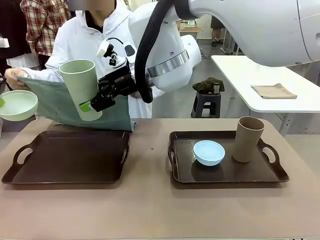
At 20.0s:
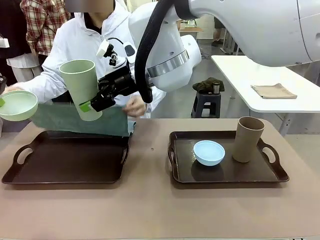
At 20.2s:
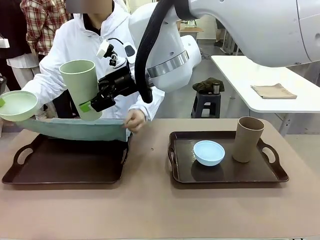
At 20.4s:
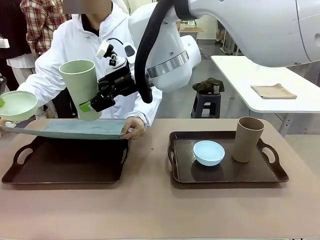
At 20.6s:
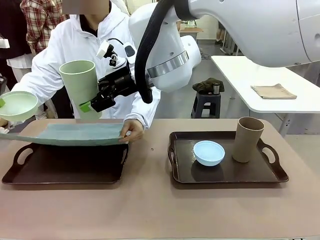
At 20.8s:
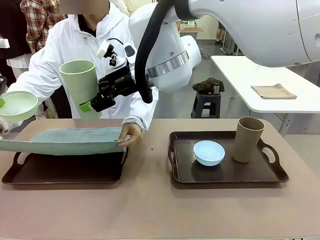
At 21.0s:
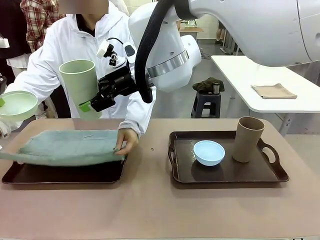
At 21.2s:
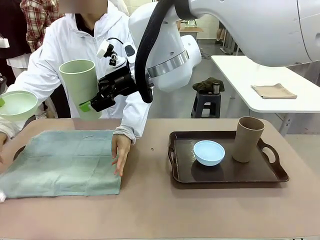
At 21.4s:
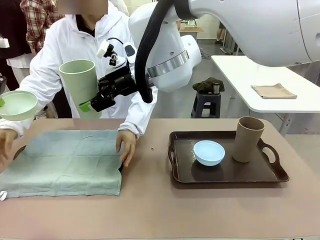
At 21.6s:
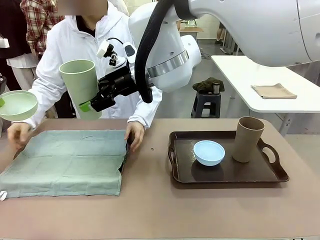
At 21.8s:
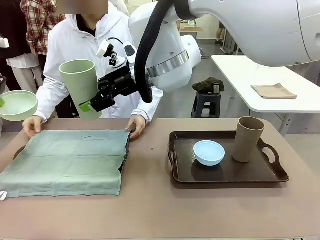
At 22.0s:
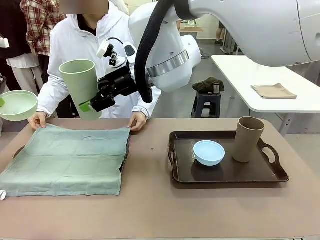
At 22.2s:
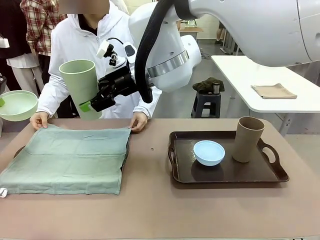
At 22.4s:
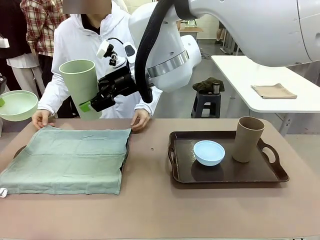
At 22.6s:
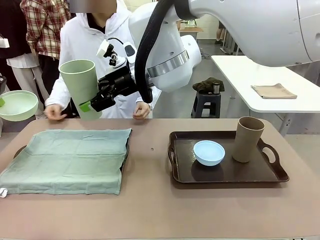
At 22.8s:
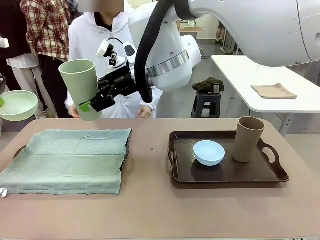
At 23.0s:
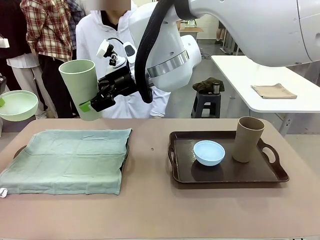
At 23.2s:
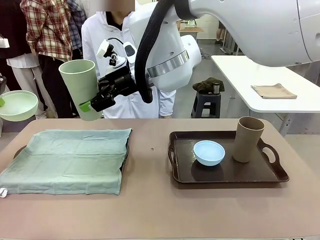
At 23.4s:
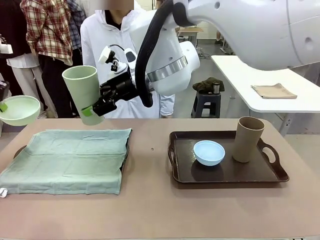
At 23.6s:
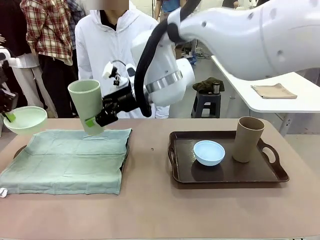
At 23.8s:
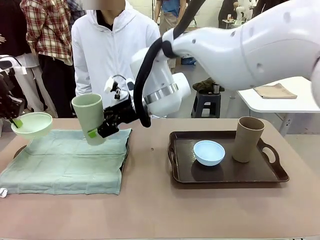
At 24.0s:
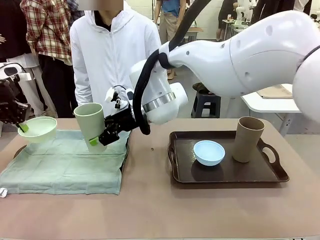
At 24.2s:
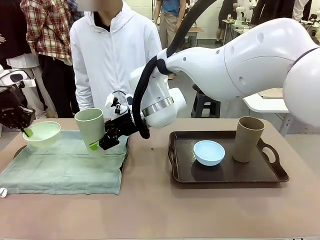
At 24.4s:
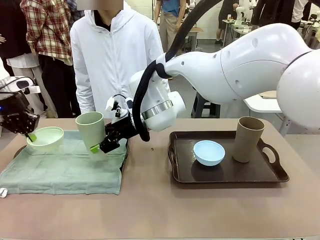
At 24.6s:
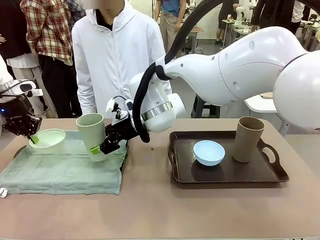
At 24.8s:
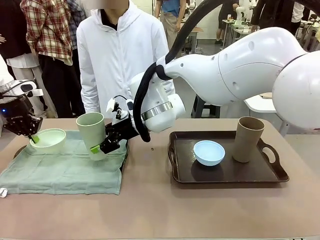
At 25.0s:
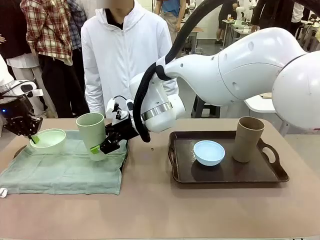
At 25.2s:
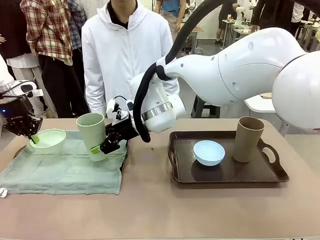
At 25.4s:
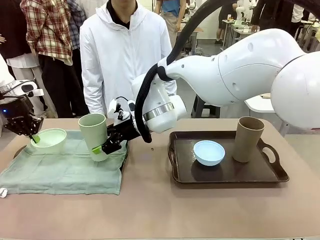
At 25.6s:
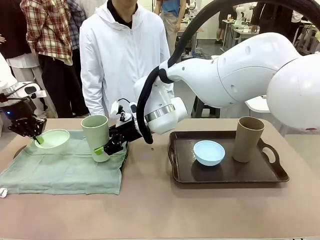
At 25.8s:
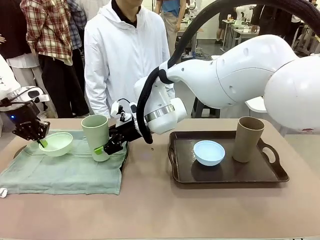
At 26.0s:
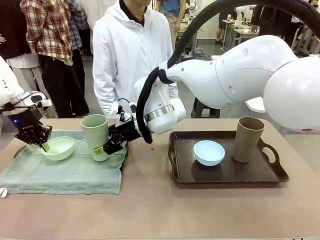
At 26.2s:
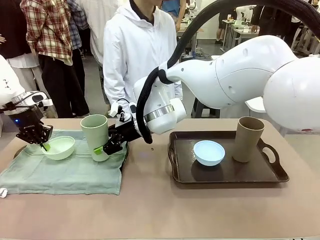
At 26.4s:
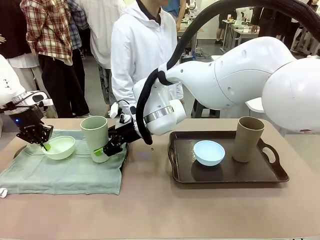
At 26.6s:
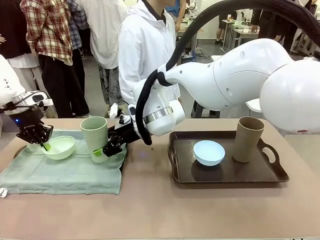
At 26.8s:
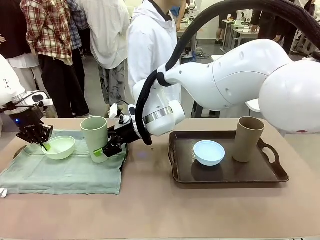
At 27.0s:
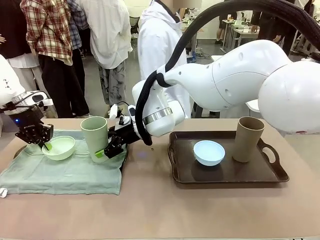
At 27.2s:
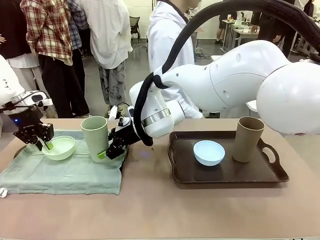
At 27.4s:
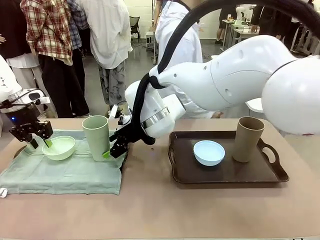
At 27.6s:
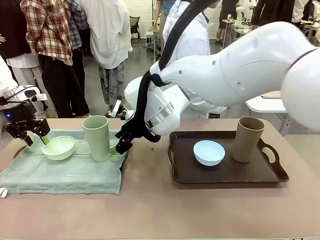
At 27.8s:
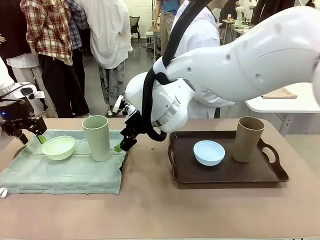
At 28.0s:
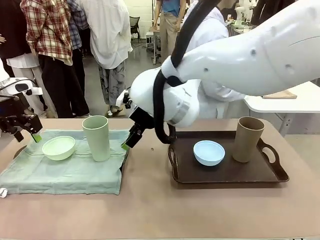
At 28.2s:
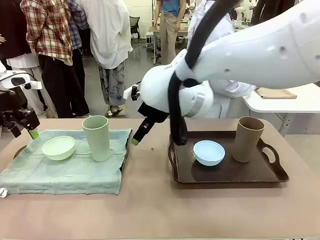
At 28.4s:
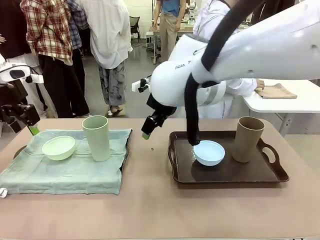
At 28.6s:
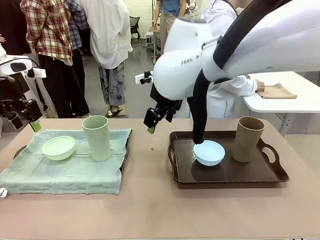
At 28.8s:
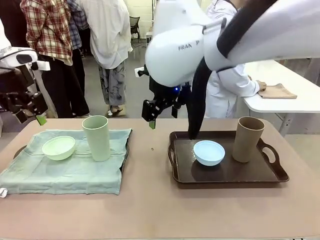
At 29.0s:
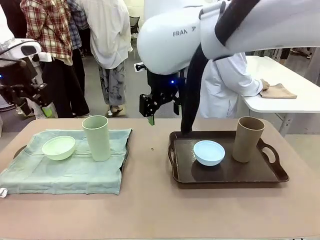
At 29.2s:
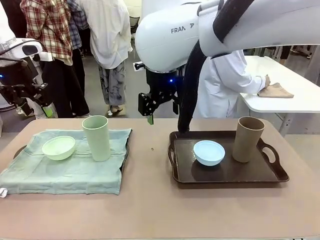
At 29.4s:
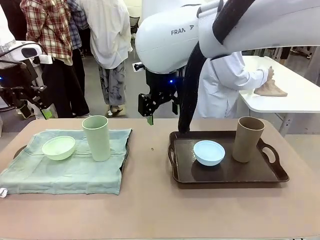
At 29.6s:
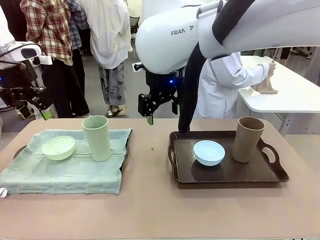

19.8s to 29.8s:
Robot: Place the Picnic Bowl and Reusable plastic cup back onto the Handle tray in front of the human's position.
Person: The human returns to the human table to pick up another napkin and walks to the robot table to stand in front of the tray without a napkin.

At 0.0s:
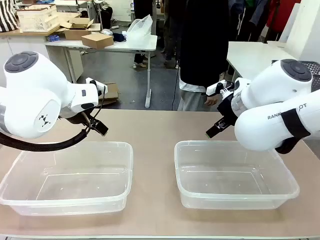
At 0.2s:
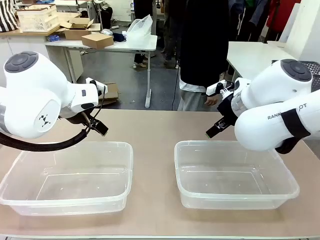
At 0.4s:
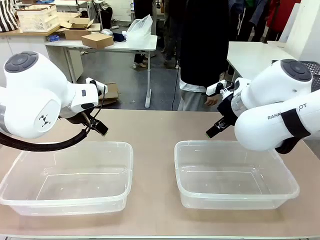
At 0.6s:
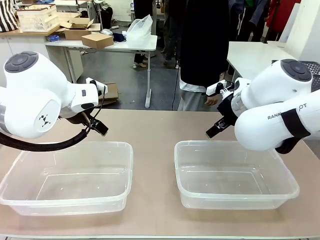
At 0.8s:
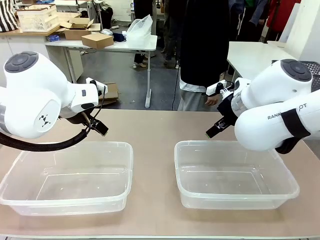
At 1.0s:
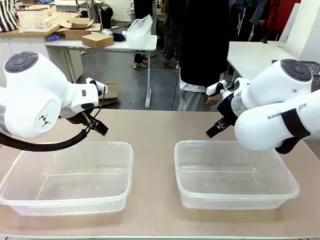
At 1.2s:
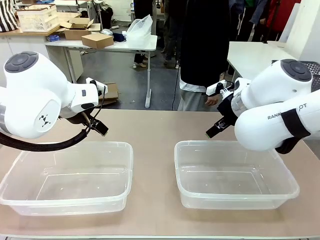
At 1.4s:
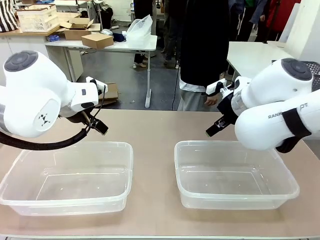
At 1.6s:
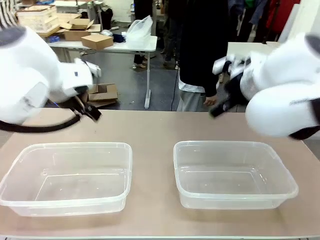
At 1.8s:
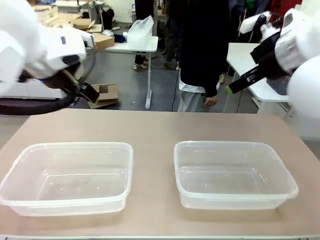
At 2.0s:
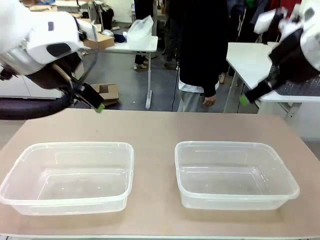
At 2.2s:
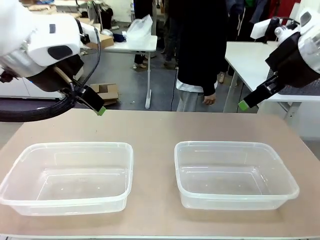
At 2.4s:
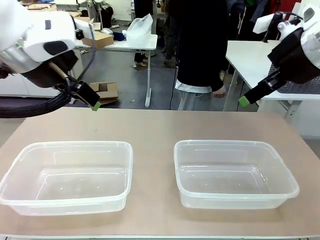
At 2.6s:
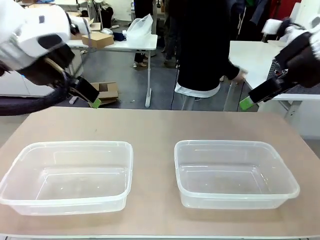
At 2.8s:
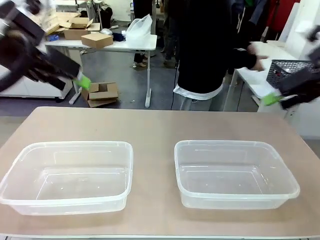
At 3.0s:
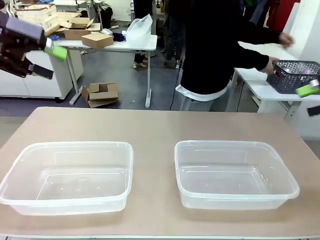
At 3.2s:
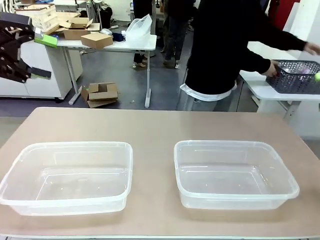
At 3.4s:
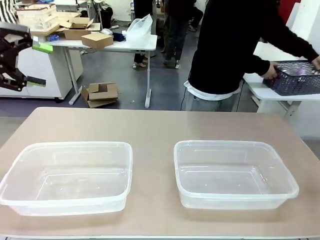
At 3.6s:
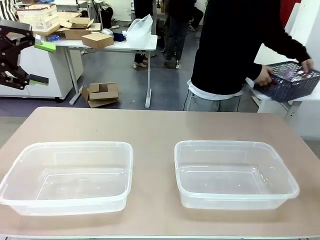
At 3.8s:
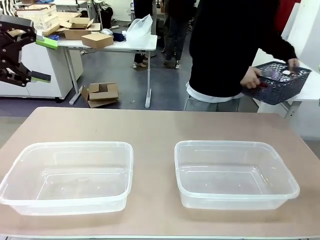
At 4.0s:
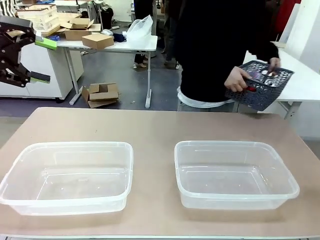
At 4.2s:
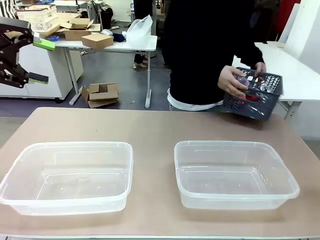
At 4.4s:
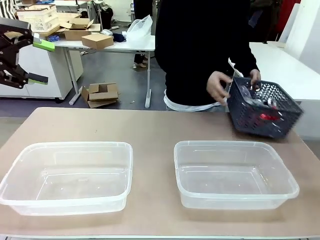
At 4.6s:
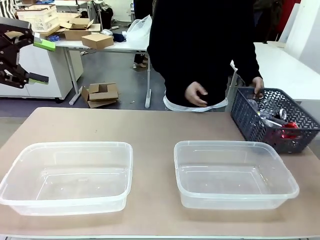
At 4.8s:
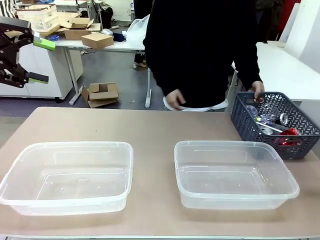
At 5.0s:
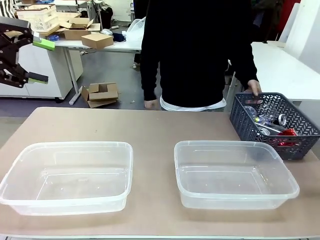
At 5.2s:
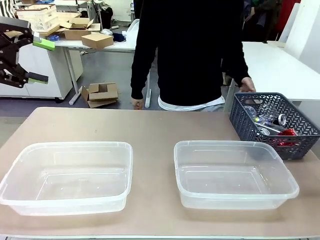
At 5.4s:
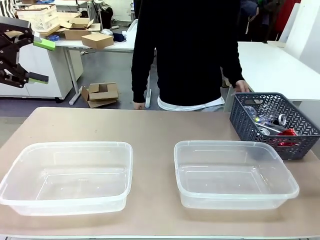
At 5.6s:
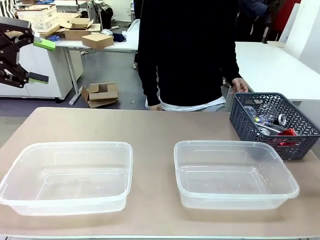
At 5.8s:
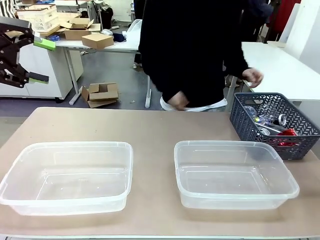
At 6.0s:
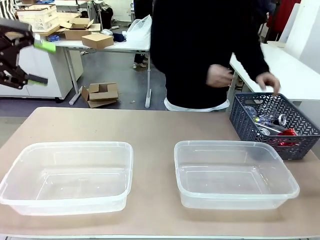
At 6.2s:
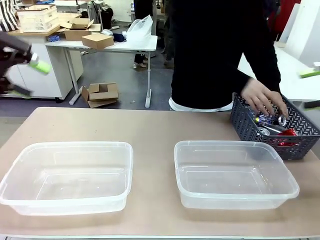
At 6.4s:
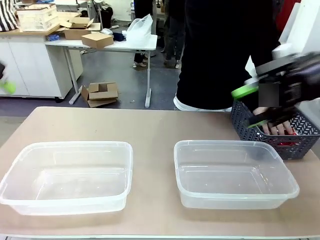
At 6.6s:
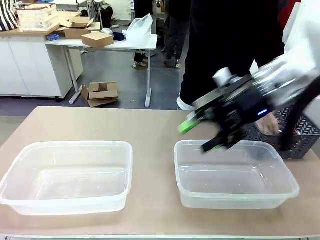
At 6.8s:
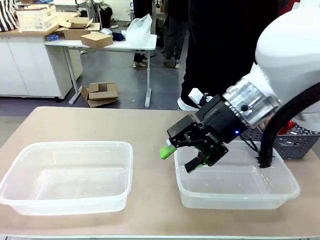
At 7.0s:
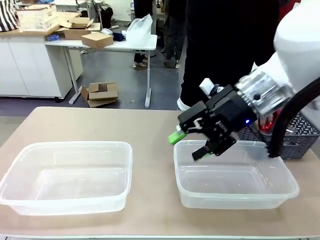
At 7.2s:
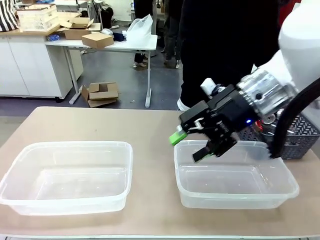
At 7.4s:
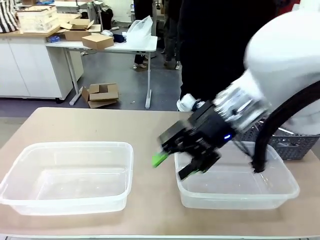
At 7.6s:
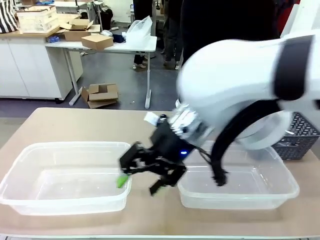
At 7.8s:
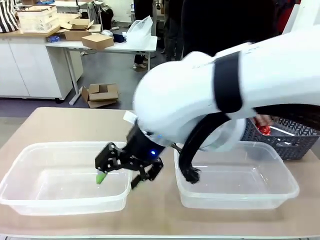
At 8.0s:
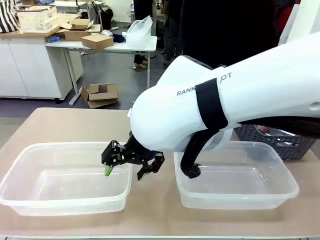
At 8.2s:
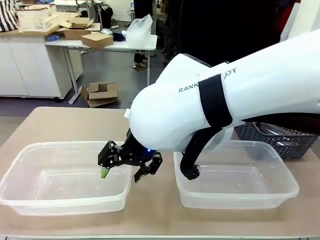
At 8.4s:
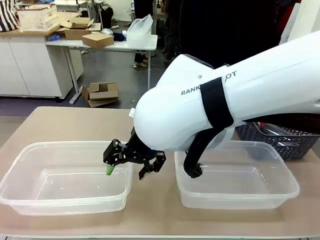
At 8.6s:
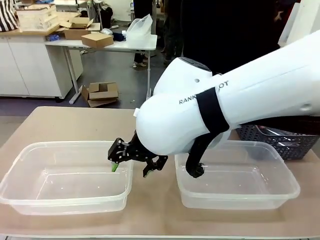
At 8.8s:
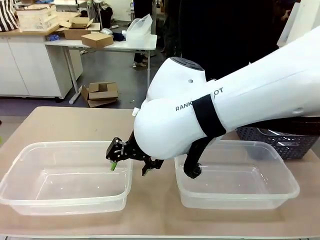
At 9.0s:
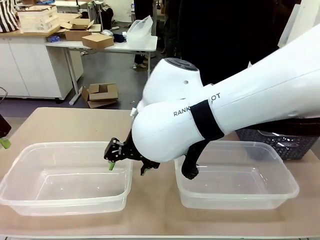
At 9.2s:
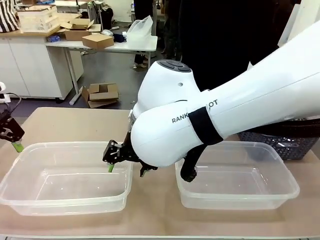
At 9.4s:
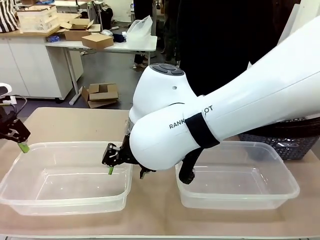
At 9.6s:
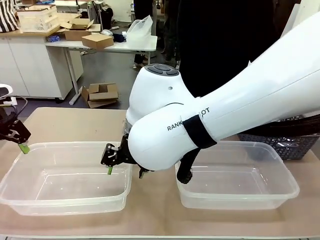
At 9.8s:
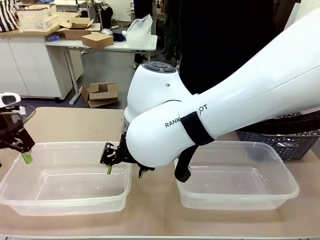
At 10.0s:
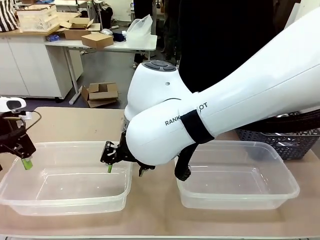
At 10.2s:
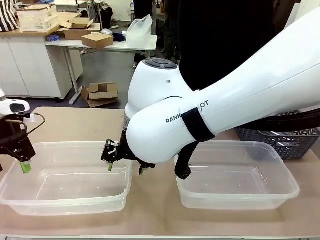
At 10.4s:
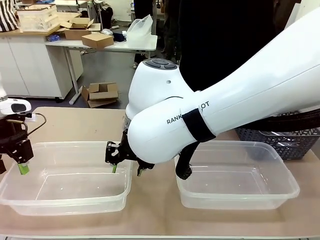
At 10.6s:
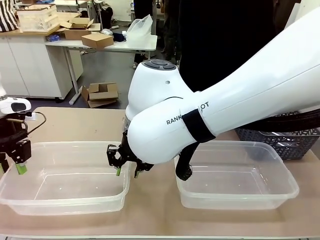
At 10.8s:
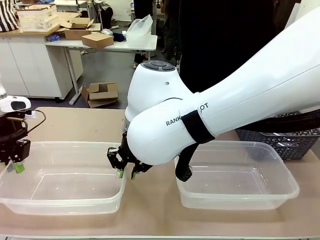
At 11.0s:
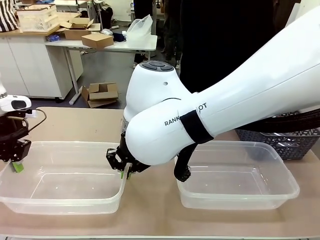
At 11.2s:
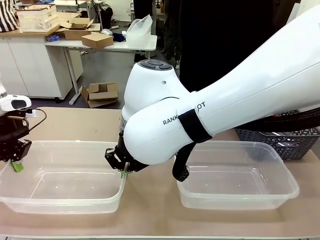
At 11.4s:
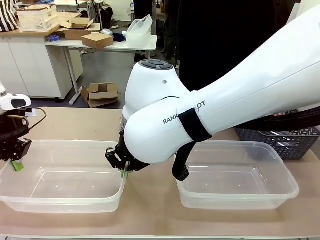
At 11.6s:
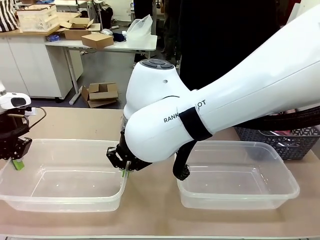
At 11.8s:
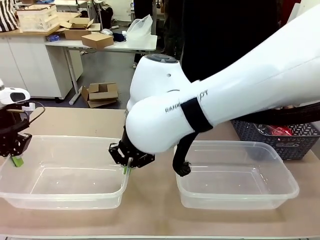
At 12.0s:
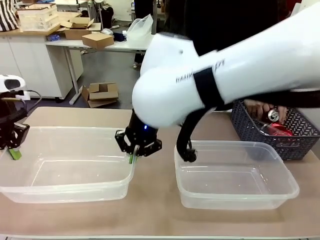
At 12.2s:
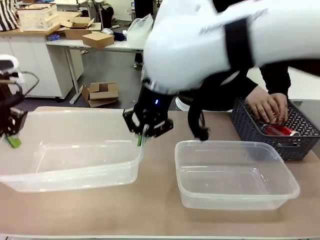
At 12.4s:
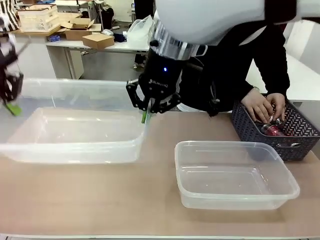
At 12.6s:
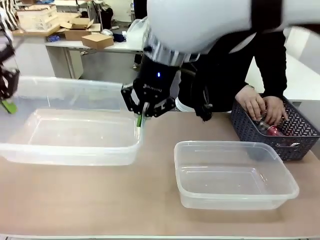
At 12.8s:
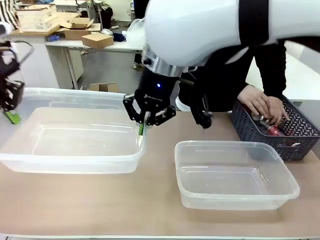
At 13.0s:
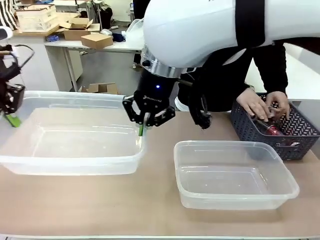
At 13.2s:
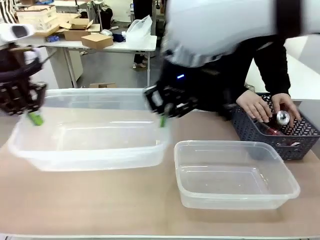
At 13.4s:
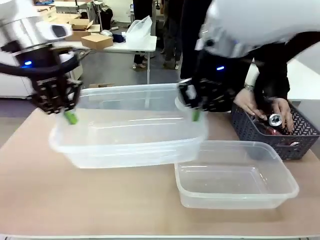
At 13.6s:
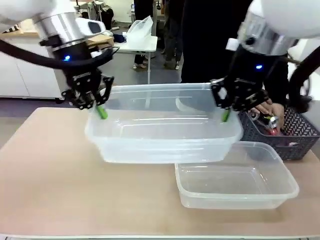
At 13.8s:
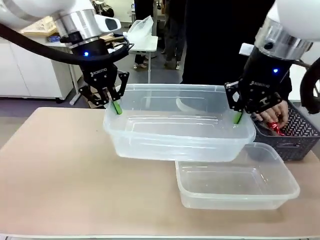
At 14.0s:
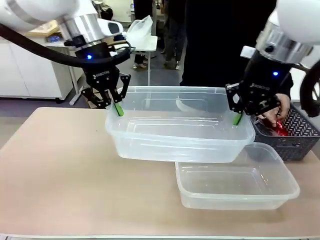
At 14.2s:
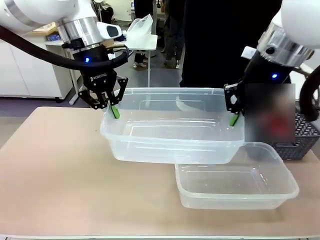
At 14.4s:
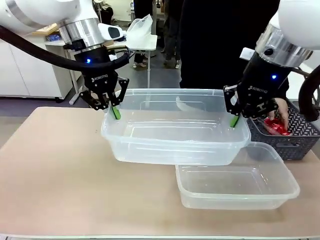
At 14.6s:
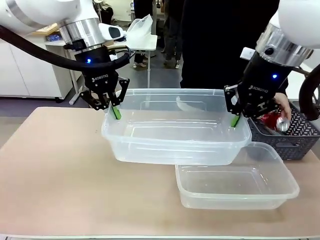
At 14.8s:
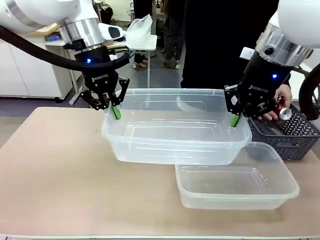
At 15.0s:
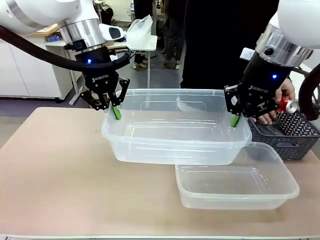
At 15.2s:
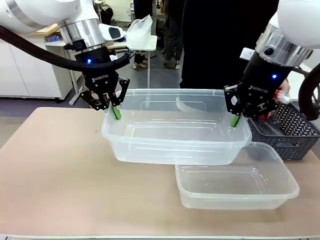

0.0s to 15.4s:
Robot: Pick up the Organizing box on the left side of the table and lift it.
Person: Pick up the storage basket and place it on the left side of the robot table. Pick up can-shaped waste one by one and place it into the organizing box lifted by the robot.
